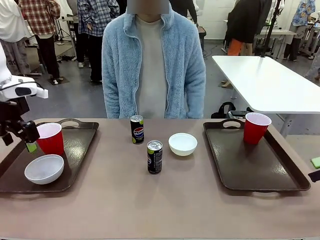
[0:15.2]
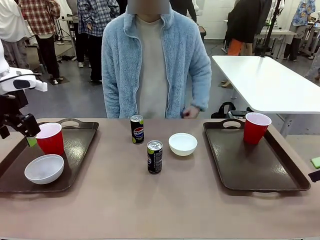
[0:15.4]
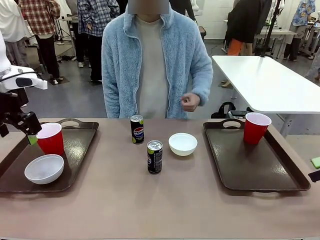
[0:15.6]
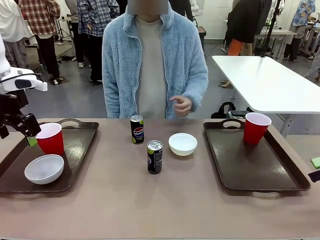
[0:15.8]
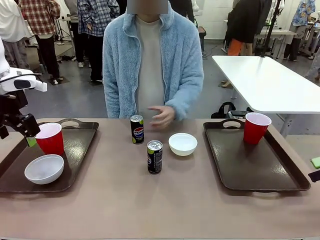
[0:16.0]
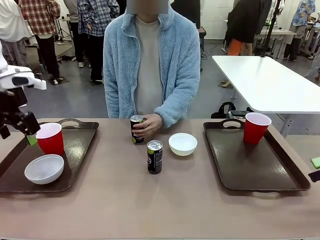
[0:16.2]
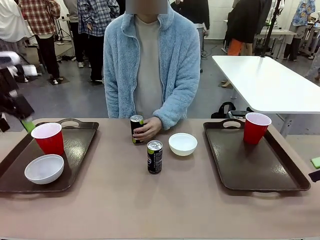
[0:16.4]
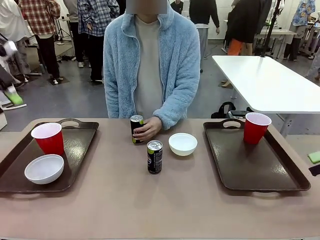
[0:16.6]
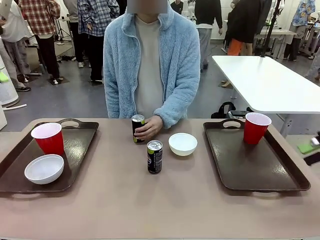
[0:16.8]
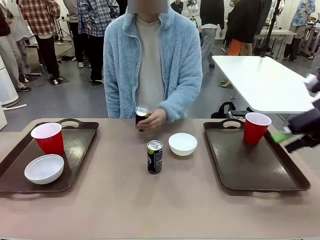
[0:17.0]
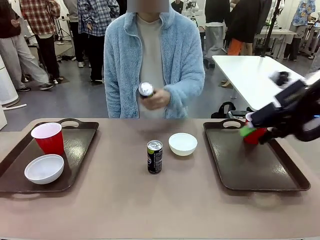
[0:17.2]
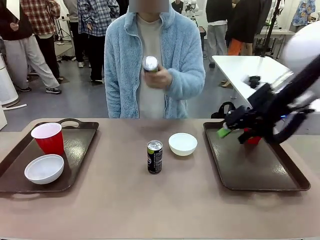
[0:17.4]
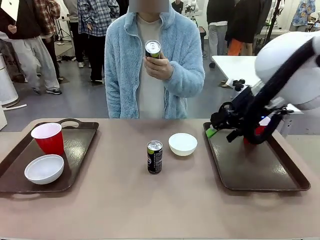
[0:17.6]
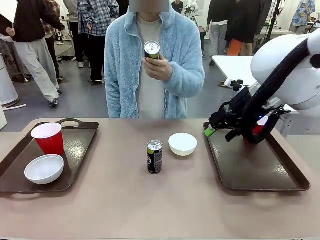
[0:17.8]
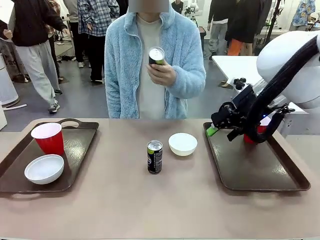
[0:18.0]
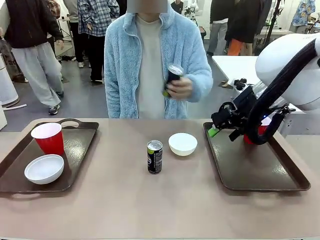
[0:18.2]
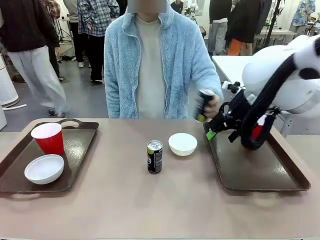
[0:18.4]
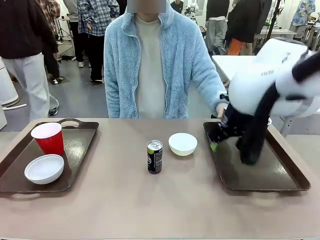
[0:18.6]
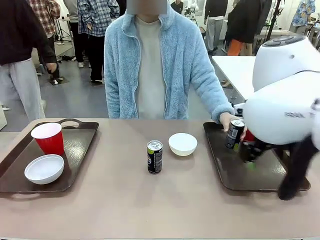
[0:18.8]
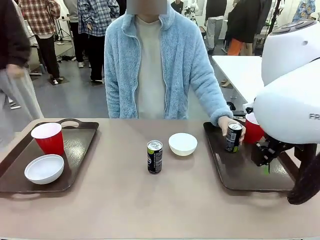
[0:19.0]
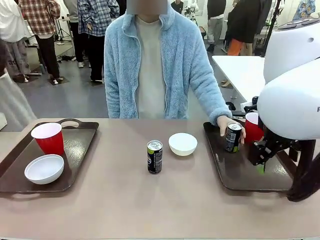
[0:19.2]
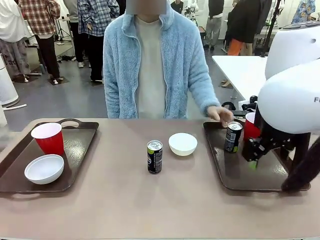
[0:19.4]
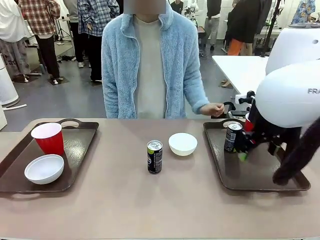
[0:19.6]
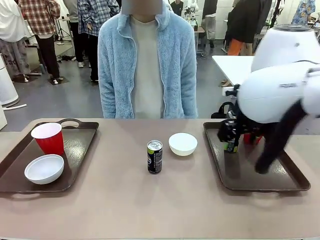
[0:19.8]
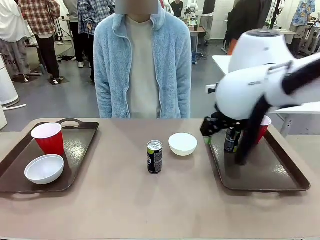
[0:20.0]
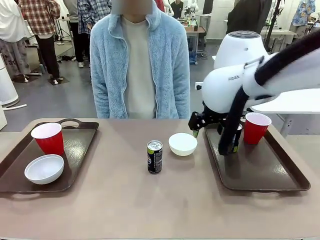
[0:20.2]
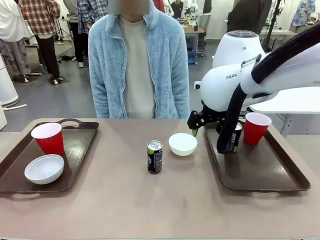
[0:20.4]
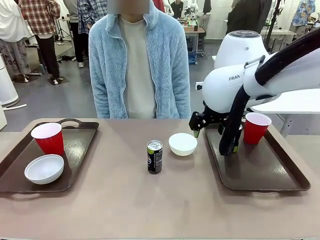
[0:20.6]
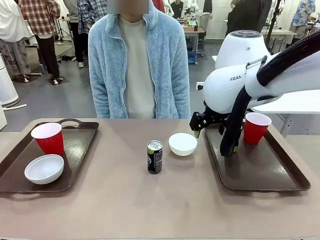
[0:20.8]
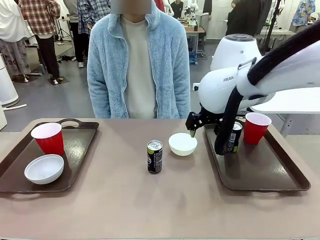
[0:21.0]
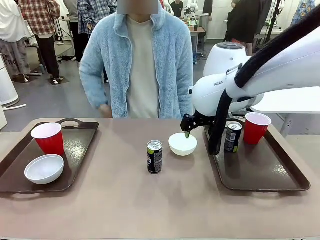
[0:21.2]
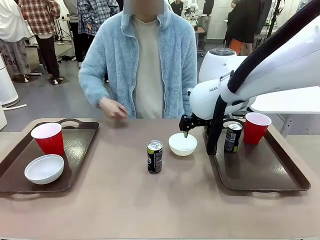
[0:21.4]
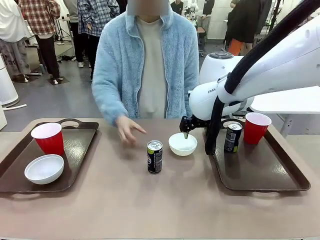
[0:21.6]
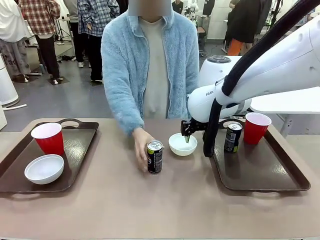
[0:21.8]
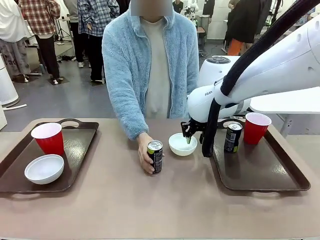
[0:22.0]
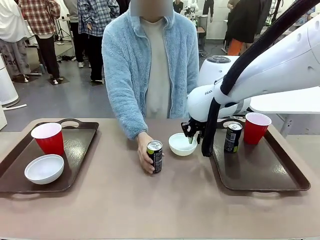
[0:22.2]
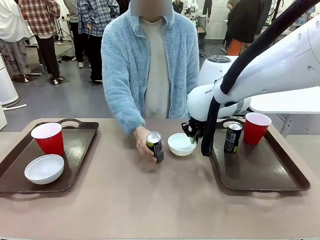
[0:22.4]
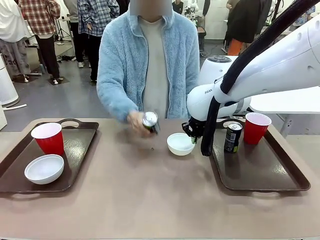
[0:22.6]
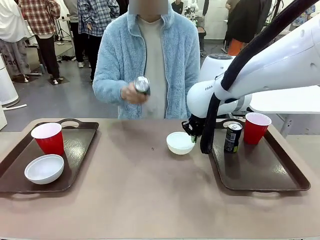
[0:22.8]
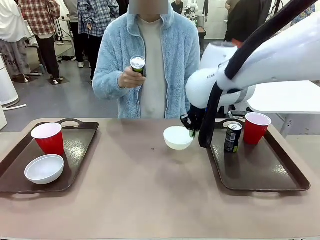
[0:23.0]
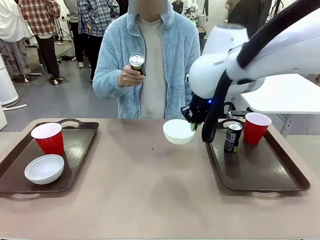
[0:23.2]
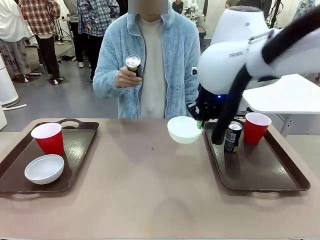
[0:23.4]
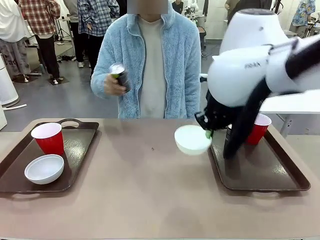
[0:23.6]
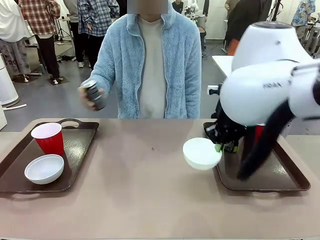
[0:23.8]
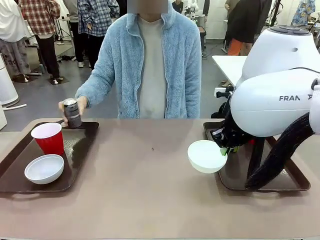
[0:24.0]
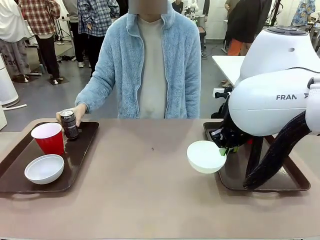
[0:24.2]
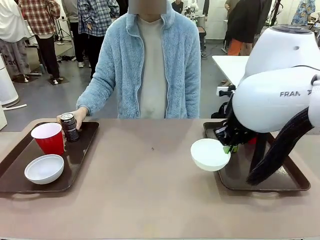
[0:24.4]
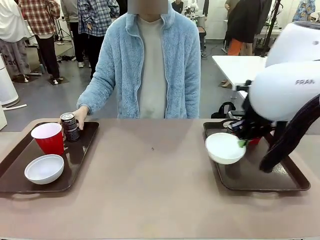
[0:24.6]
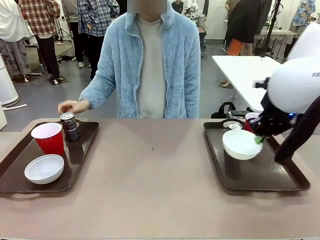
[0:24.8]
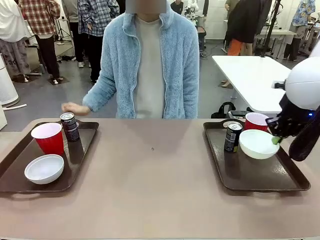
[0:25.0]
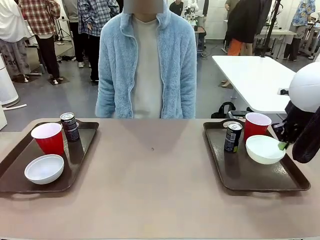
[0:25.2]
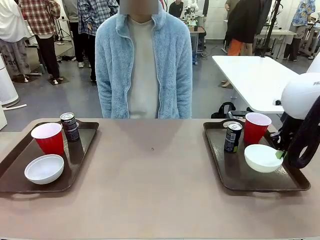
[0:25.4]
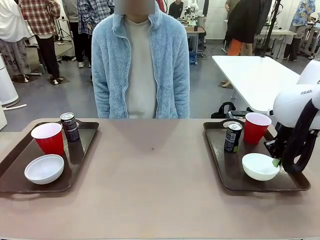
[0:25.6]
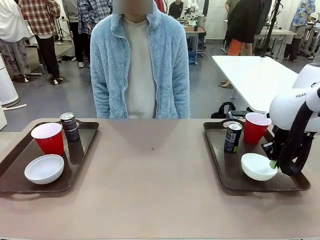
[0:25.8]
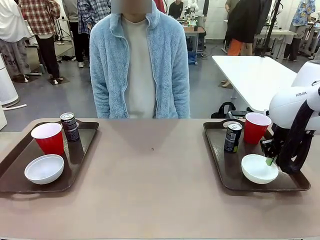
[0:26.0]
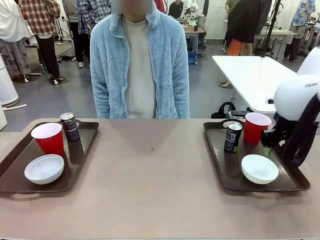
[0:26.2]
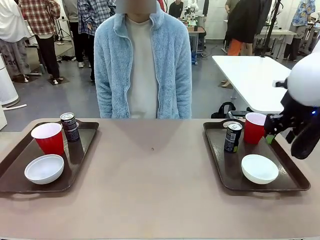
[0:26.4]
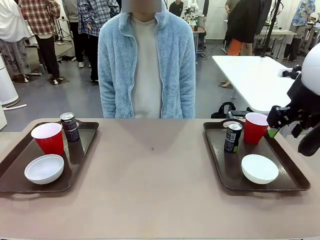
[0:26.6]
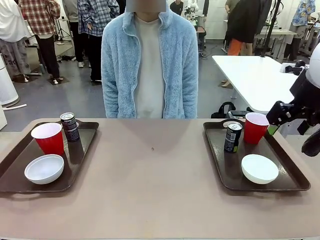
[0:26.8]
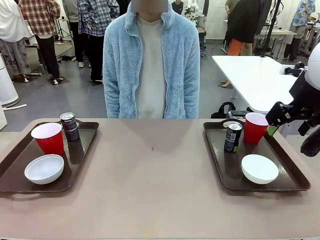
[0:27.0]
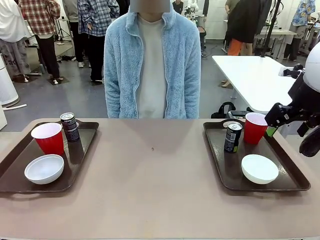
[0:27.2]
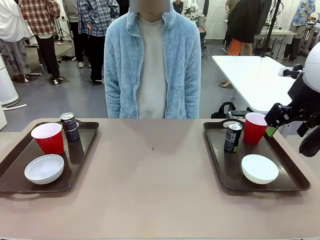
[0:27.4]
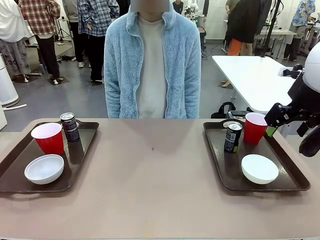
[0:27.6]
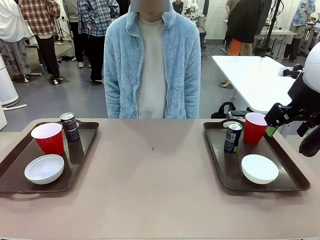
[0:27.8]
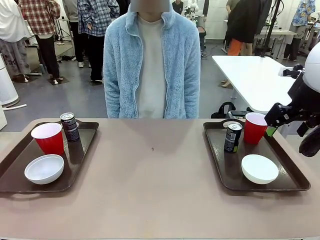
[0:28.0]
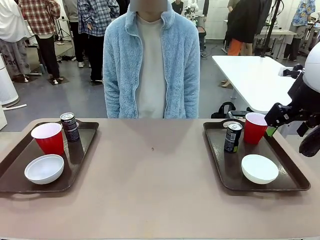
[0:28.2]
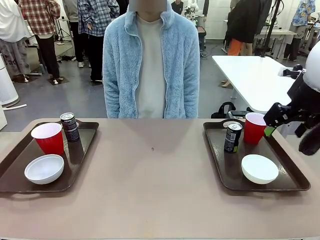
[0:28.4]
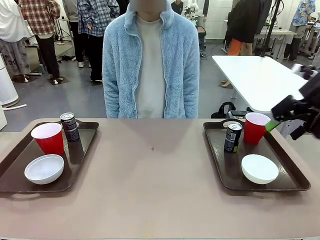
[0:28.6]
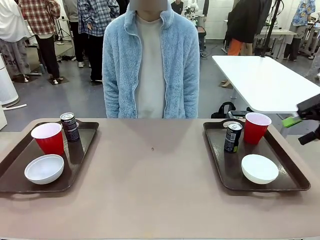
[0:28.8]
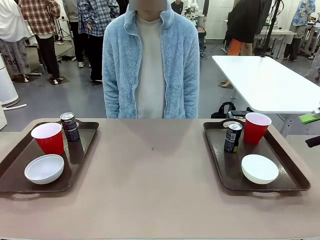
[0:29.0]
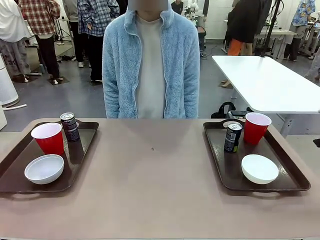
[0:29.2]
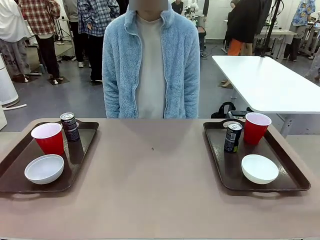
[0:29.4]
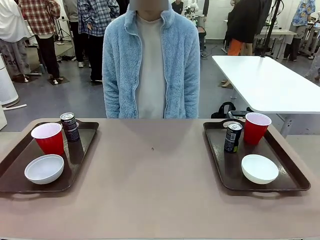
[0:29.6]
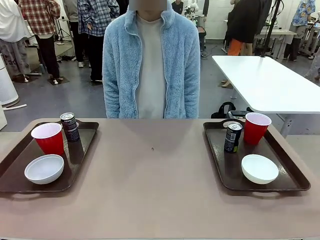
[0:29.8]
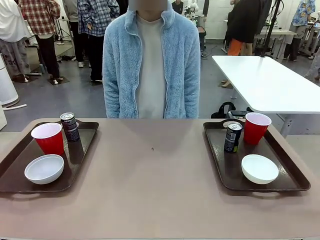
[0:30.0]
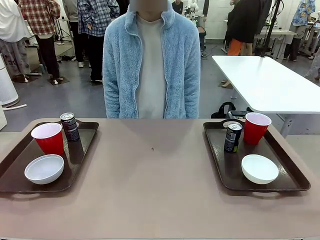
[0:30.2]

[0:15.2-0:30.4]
Task: Prepare tableware on both trays.
Robot: Pick up a Picnic Bowl from the table and place it on a Handle tray.
Person: Pick up a can or cup and place it on the tray without a can or cup.
